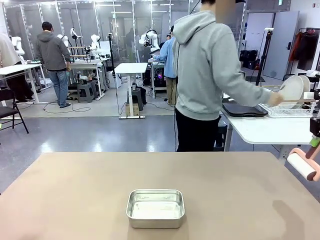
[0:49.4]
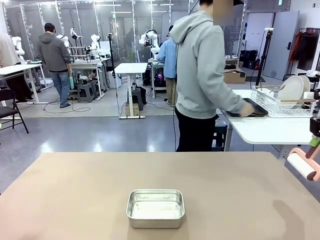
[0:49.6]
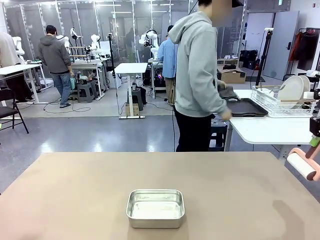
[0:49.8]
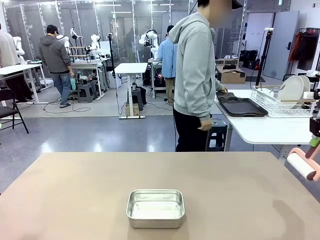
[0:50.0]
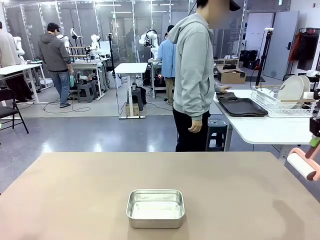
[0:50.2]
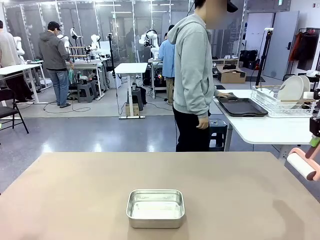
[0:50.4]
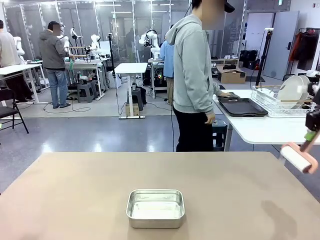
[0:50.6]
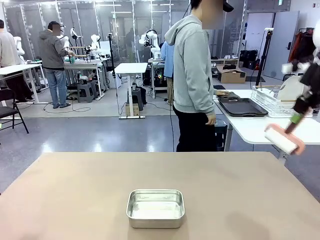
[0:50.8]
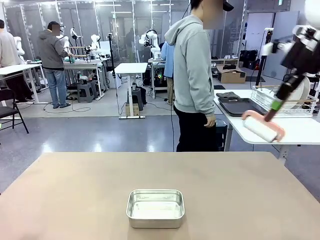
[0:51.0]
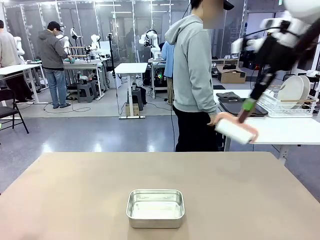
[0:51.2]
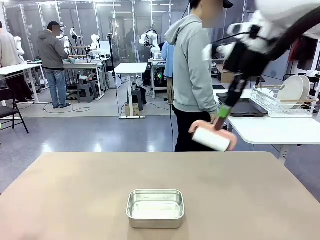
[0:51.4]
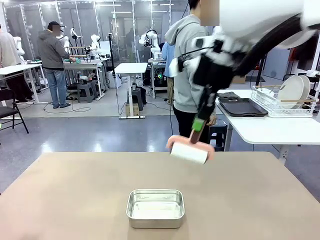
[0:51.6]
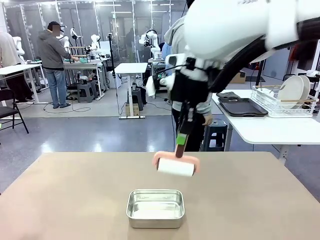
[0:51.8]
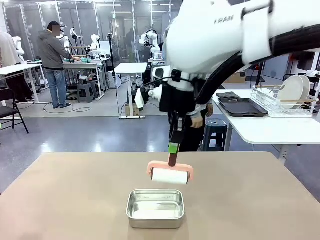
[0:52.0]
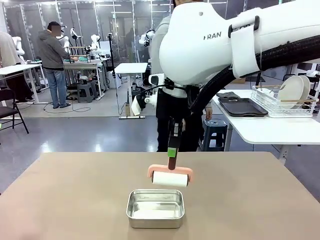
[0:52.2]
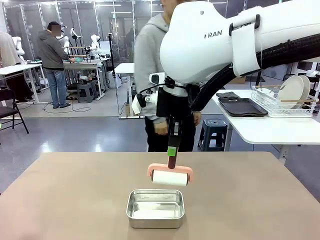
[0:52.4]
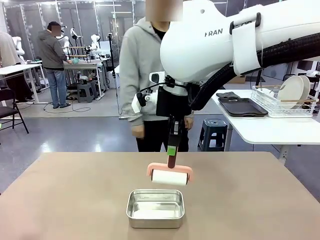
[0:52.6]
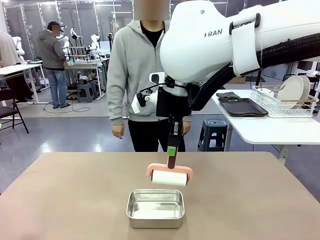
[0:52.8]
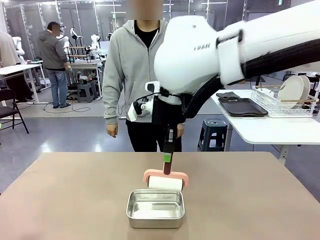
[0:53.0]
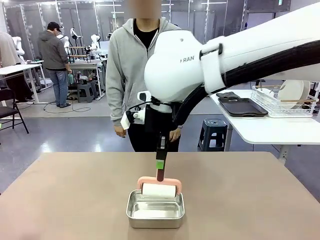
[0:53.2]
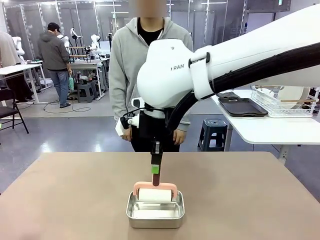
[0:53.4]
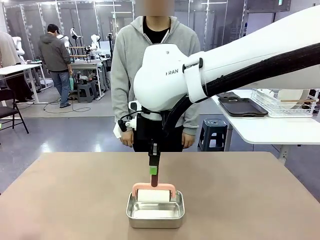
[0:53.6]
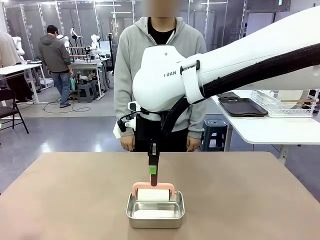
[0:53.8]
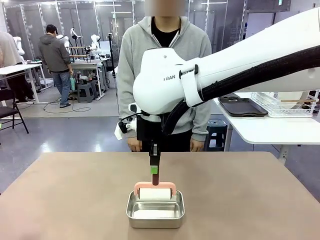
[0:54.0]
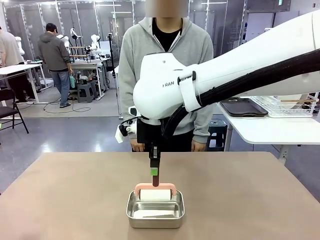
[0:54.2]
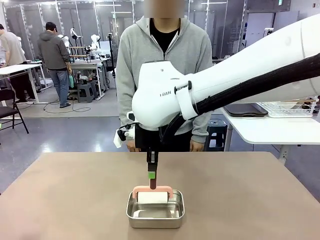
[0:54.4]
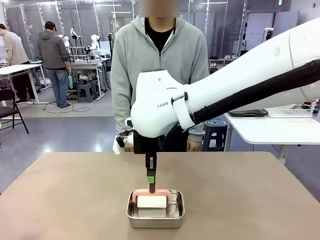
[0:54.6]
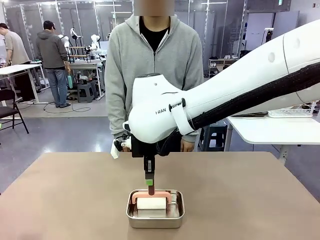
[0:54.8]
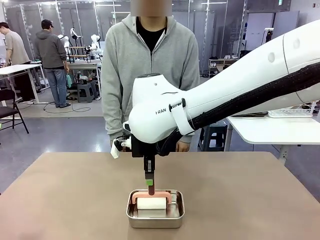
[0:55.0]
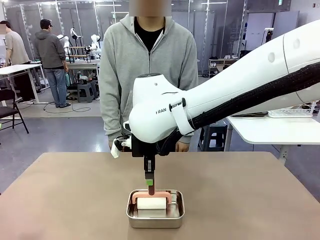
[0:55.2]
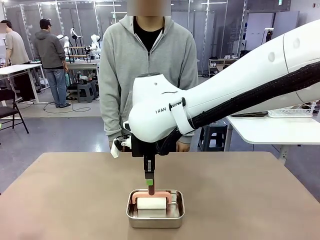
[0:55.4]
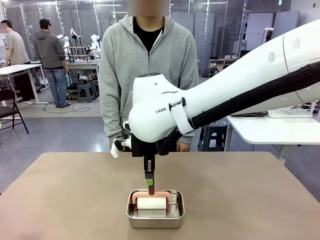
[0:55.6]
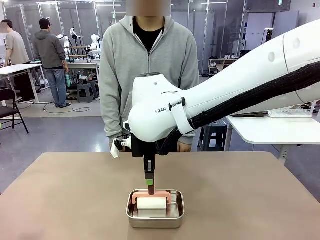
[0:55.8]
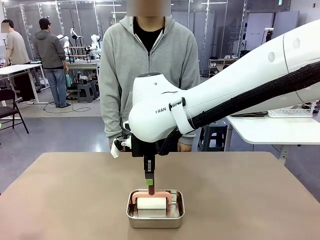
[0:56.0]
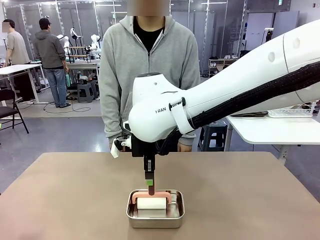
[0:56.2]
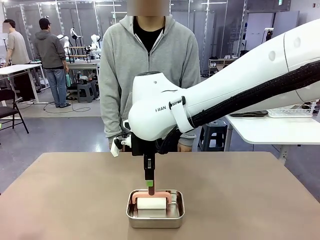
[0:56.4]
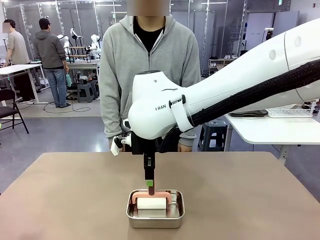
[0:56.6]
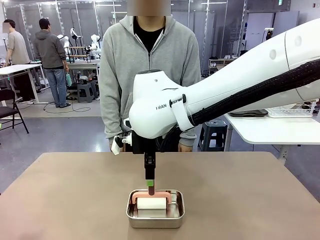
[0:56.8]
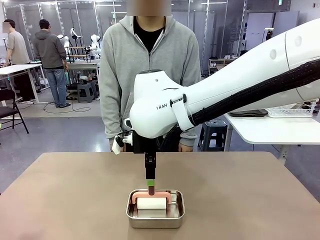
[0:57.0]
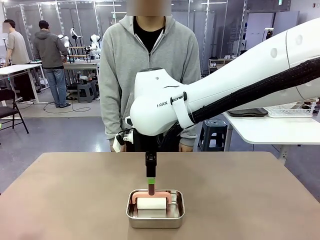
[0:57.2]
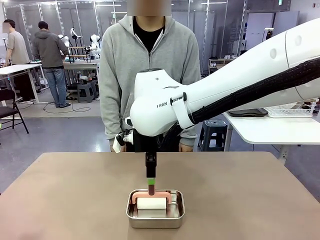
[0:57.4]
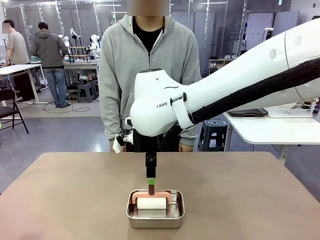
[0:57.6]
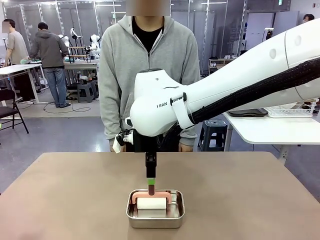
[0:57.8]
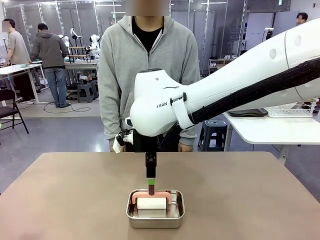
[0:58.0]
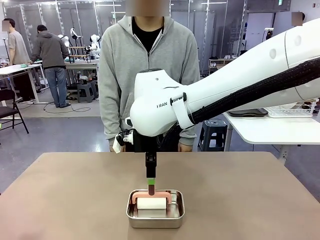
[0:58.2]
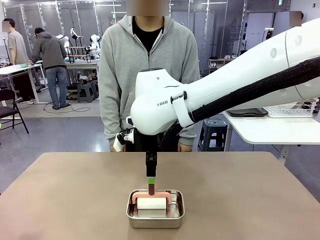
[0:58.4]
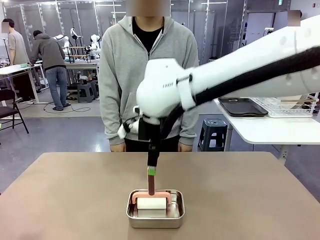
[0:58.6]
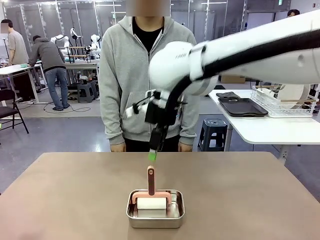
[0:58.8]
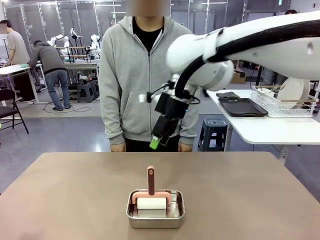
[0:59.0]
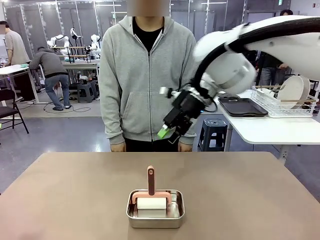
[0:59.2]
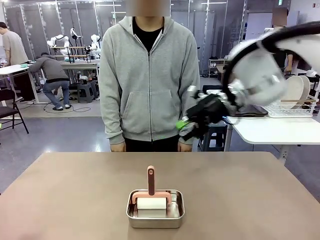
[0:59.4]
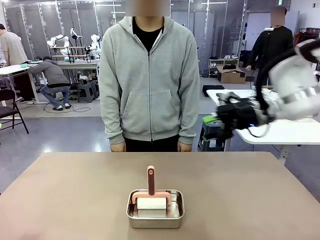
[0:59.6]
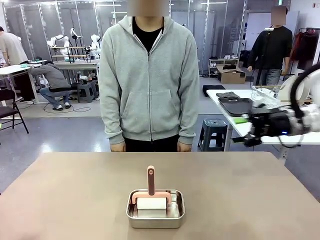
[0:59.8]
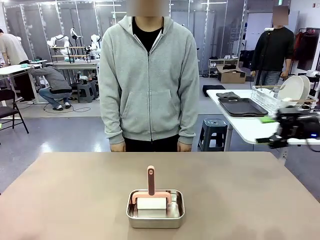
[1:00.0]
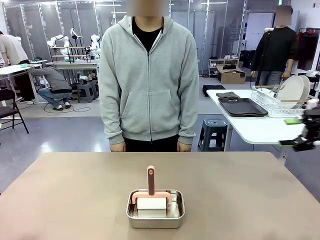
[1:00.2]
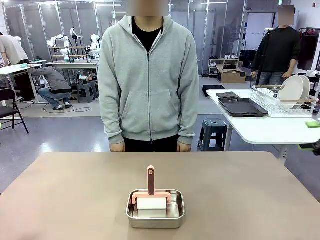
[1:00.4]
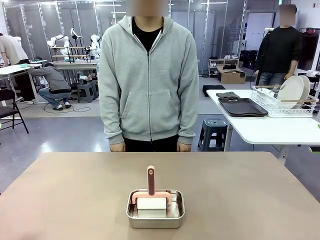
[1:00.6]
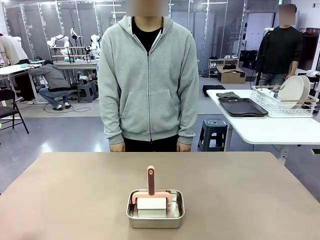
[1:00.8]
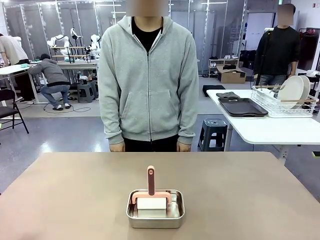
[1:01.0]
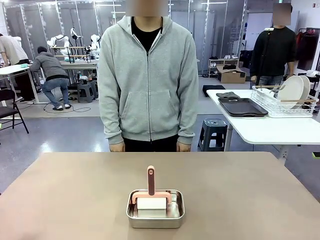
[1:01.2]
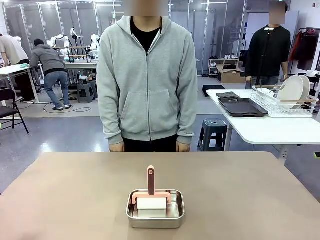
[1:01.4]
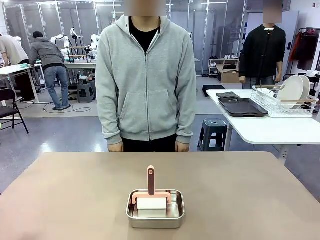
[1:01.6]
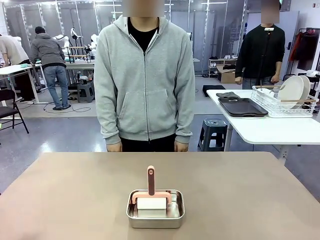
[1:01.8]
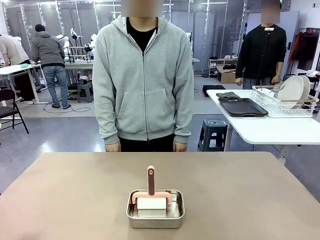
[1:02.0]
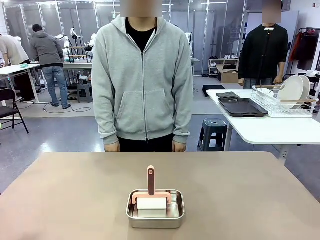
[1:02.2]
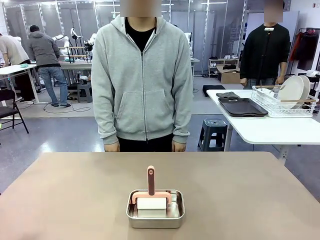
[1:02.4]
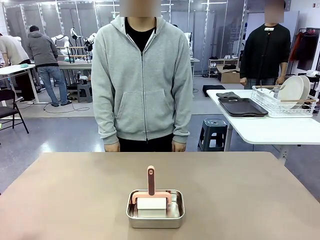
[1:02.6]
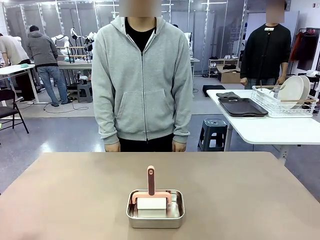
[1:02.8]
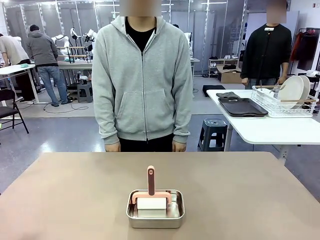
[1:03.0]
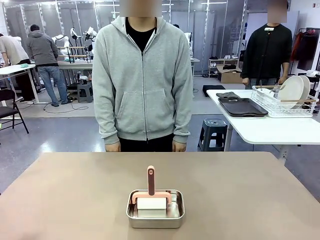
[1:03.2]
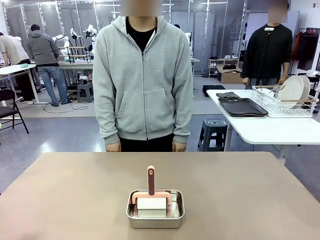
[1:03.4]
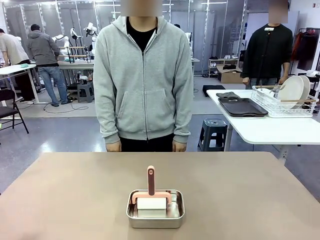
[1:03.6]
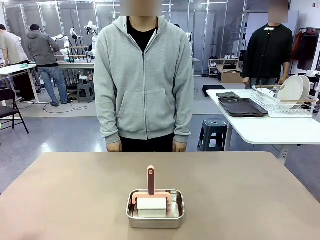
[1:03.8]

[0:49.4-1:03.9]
Robot: Place the Lint Roller back on top of the Airtight Container.
Person: Use the Towel with hook to wipe the Plastic Matte Plate , Fork , and Knife and place into the Dish drying rack.

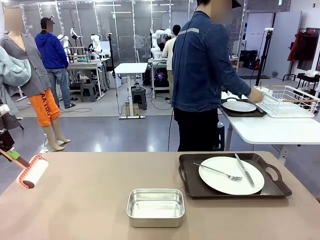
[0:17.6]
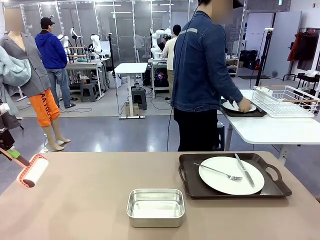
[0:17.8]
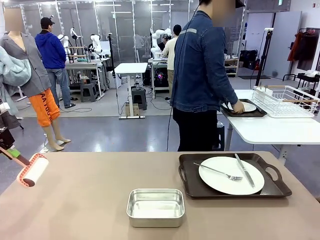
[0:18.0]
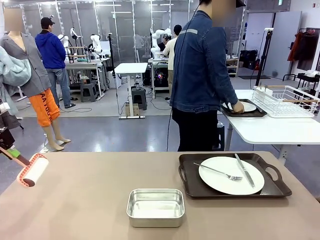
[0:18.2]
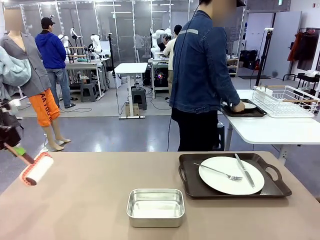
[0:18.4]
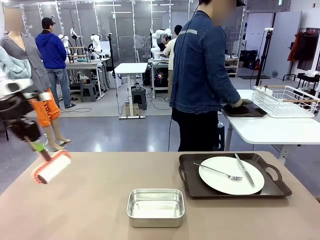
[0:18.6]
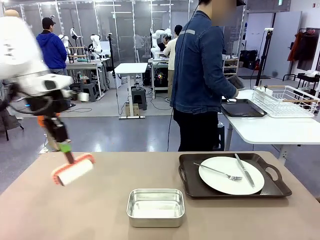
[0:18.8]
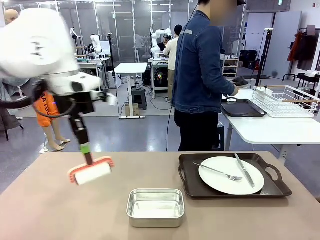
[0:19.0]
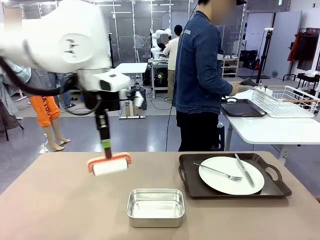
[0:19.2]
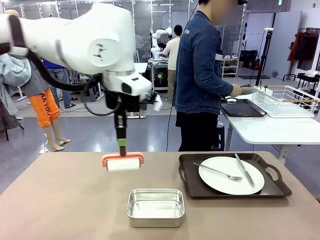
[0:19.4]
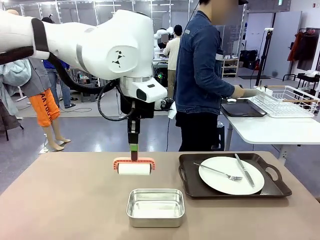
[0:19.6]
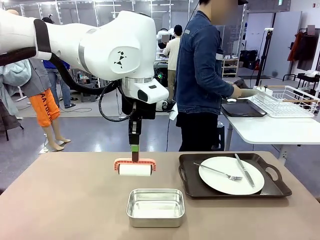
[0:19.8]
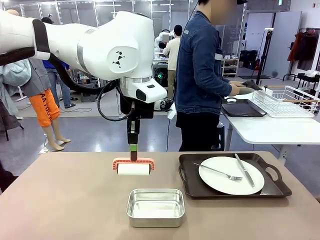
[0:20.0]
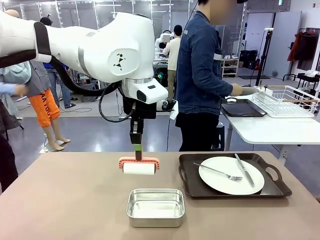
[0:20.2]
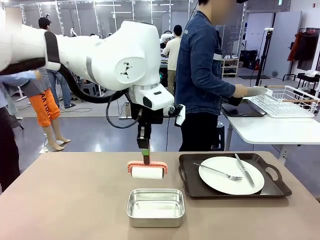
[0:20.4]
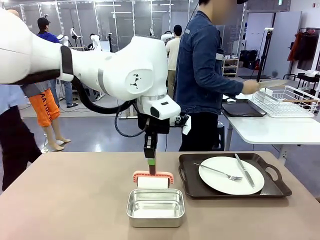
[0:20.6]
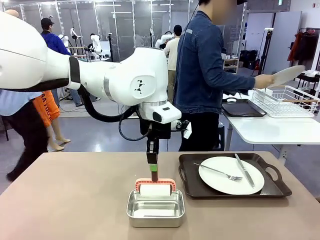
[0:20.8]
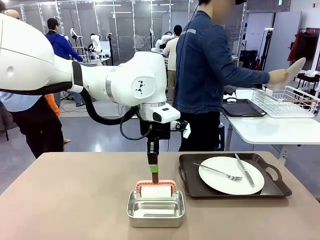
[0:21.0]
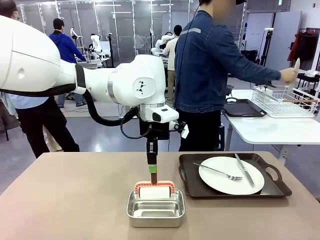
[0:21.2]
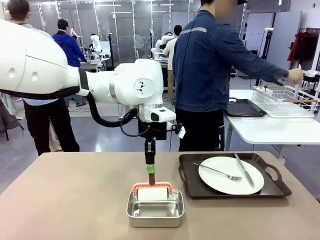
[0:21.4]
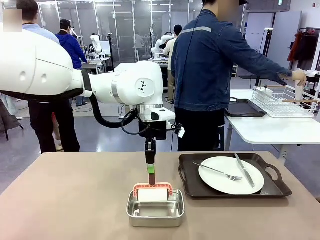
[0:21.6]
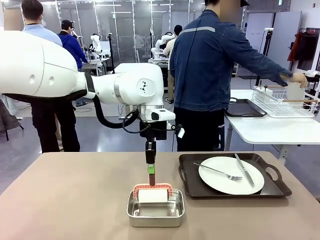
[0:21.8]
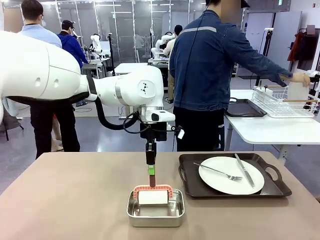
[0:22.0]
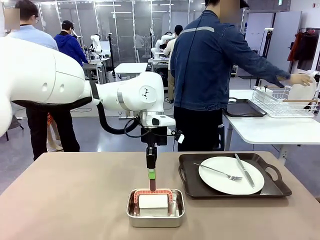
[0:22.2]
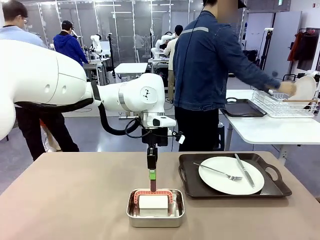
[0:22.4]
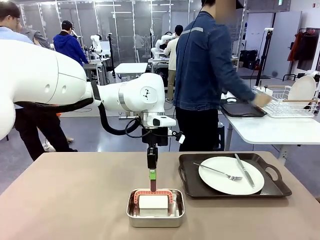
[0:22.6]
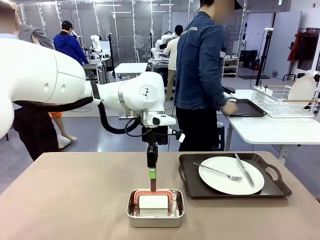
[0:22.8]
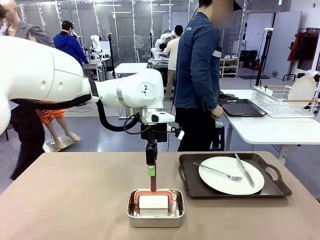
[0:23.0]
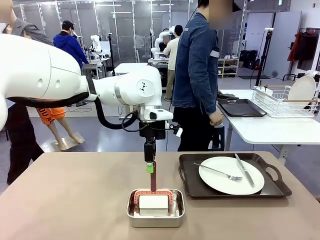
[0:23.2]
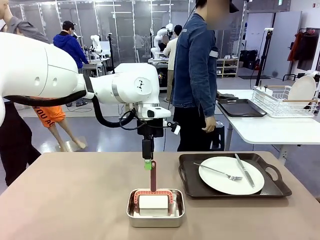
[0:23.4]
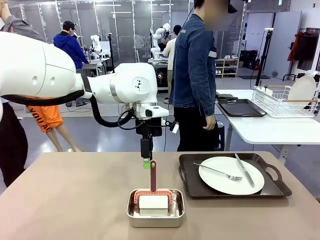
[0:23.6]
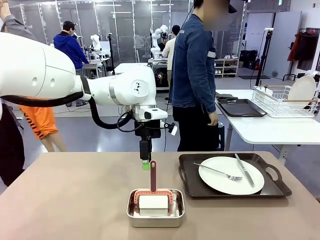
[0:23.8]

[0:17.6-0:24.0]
Robot: Place the Lint Roller back on top of the Airtight Container.
